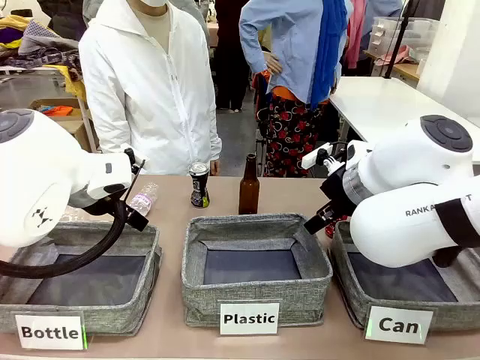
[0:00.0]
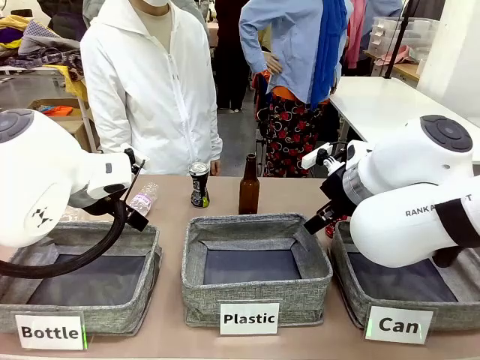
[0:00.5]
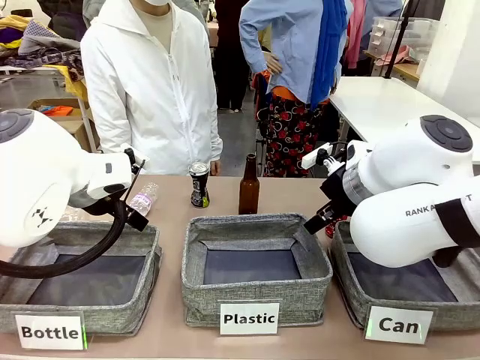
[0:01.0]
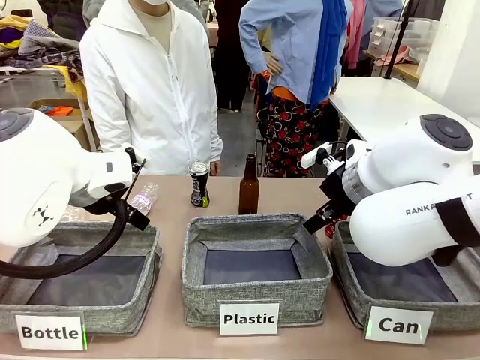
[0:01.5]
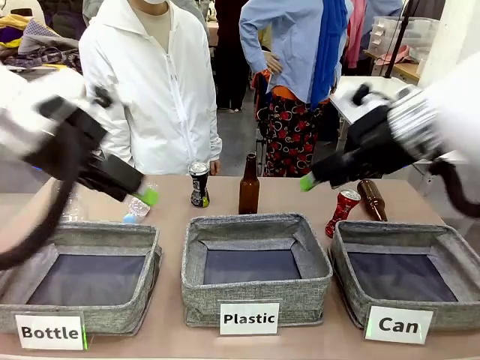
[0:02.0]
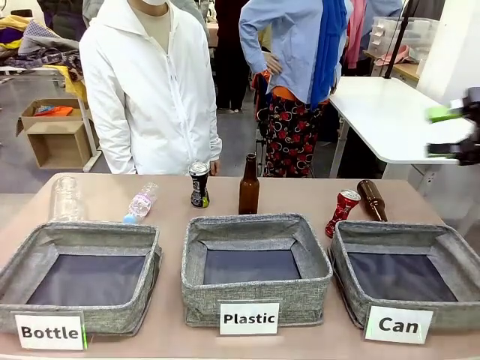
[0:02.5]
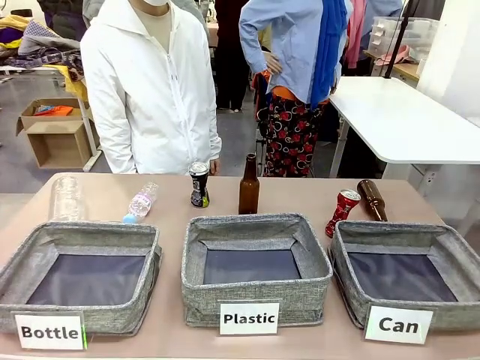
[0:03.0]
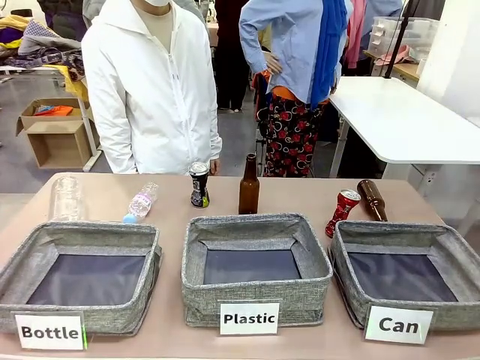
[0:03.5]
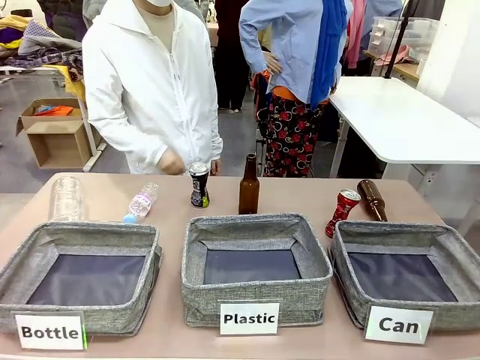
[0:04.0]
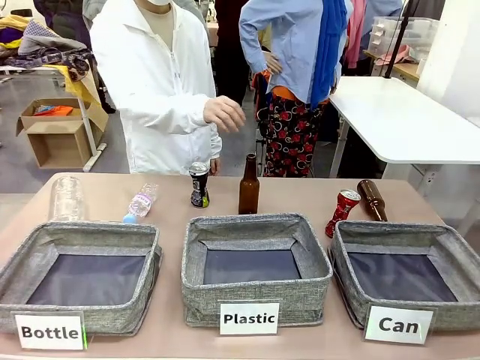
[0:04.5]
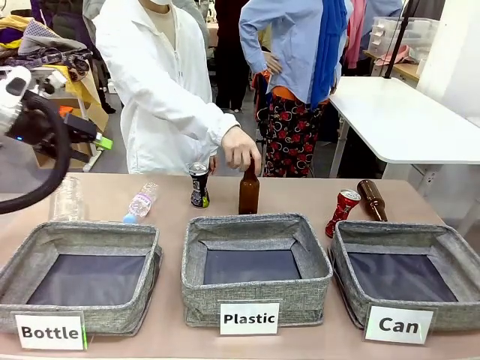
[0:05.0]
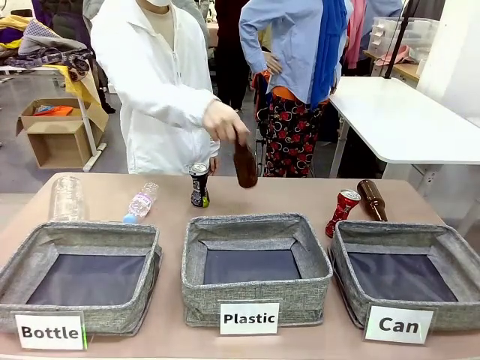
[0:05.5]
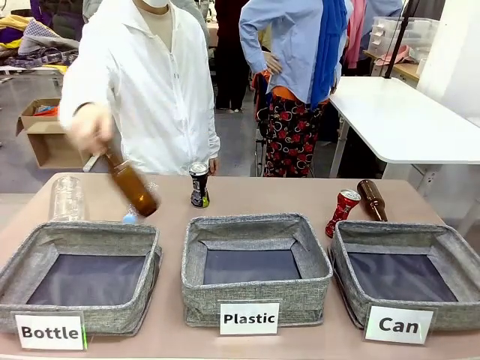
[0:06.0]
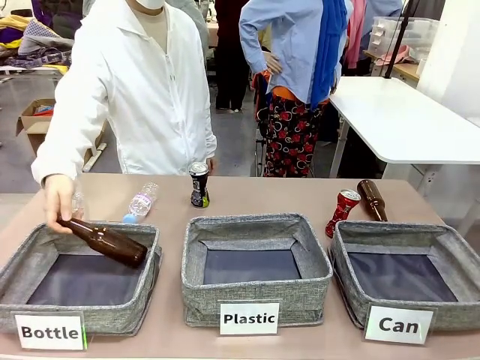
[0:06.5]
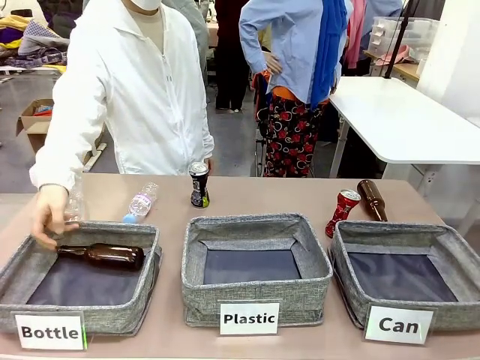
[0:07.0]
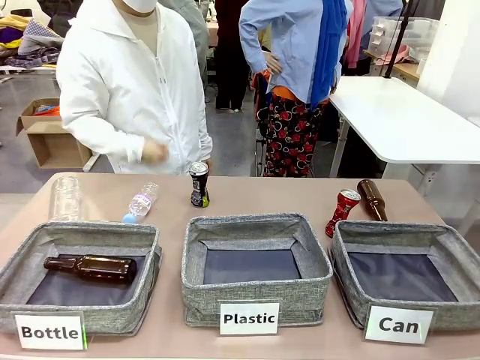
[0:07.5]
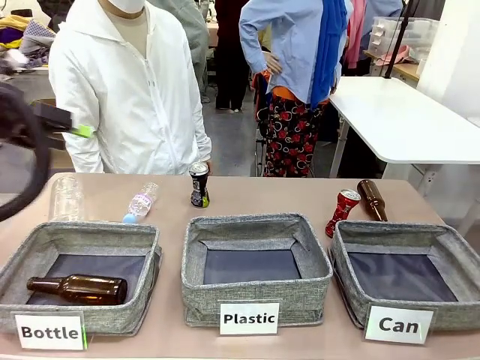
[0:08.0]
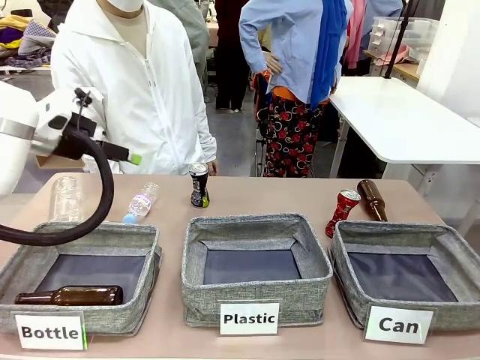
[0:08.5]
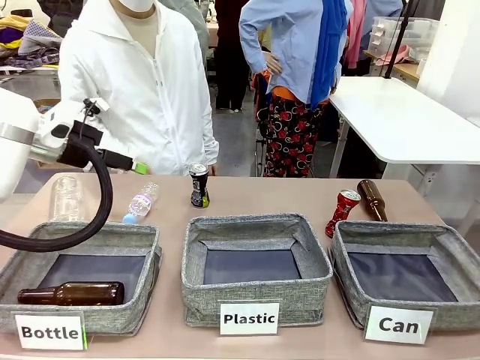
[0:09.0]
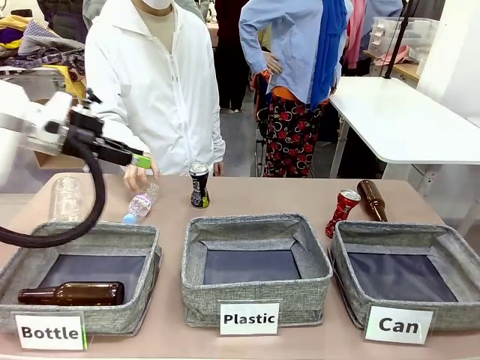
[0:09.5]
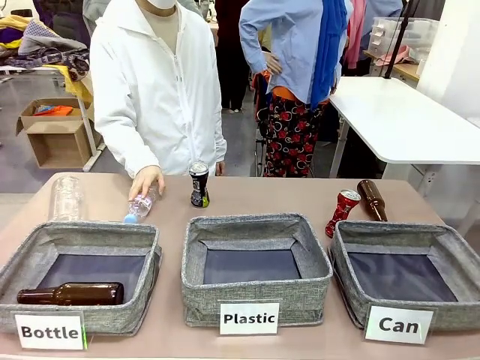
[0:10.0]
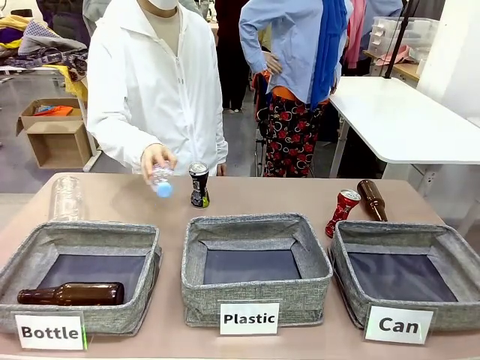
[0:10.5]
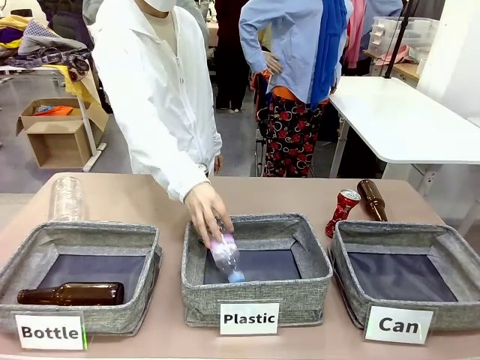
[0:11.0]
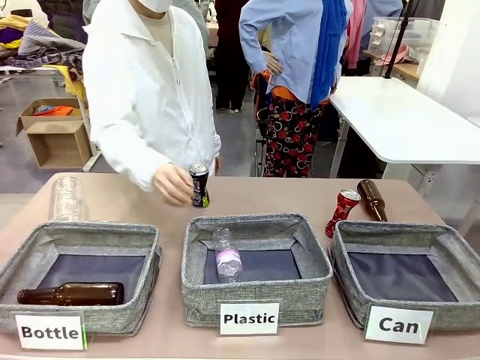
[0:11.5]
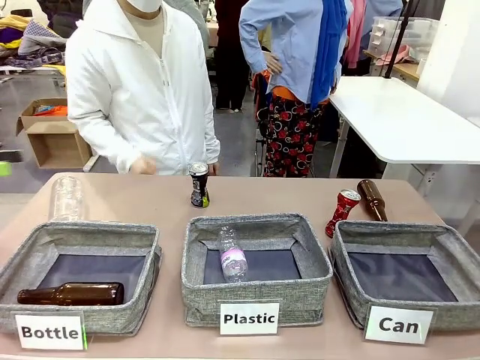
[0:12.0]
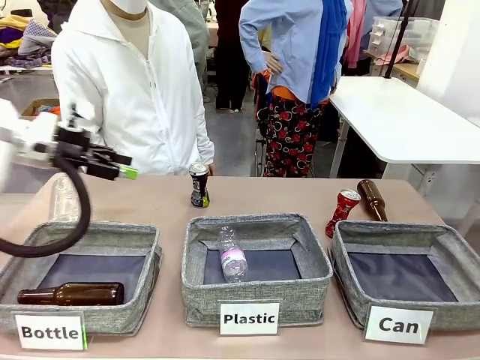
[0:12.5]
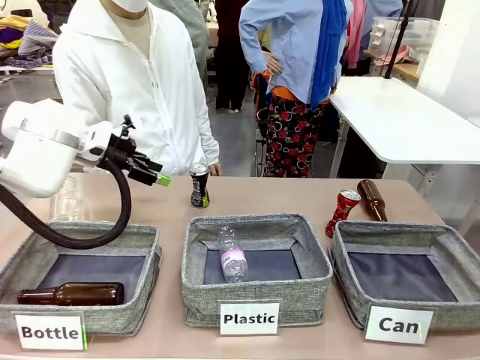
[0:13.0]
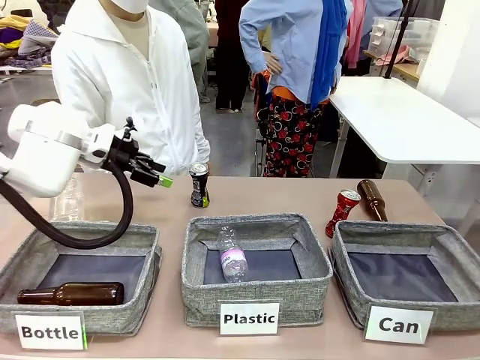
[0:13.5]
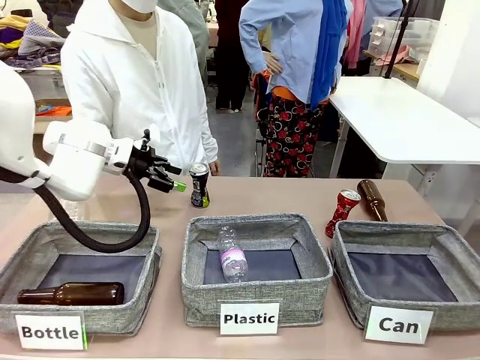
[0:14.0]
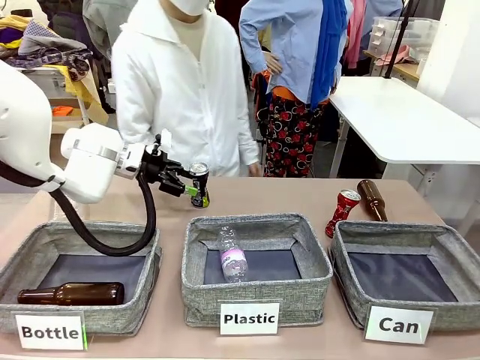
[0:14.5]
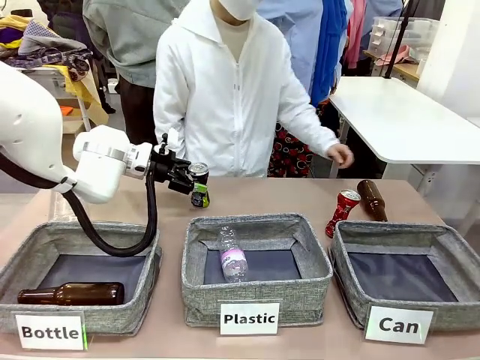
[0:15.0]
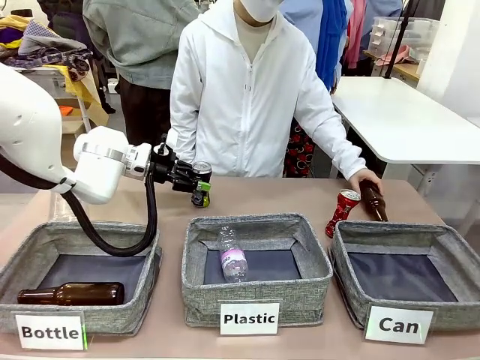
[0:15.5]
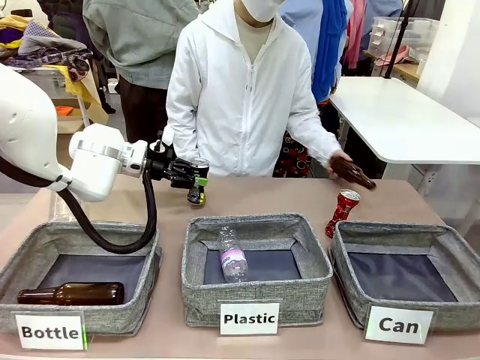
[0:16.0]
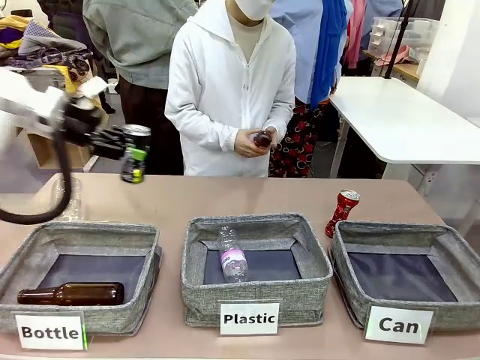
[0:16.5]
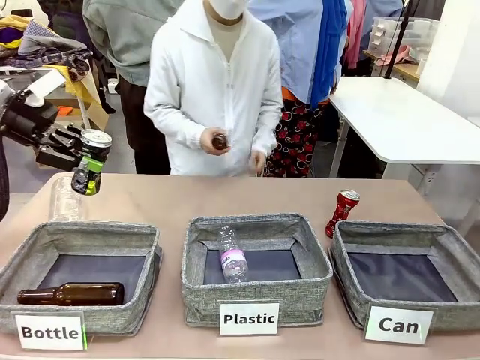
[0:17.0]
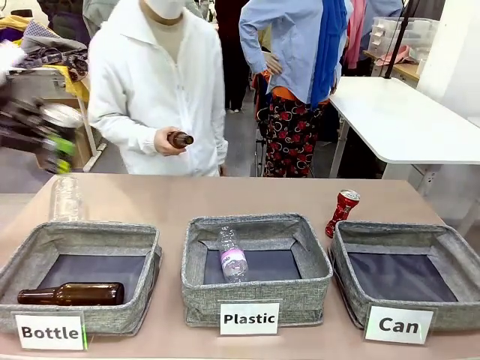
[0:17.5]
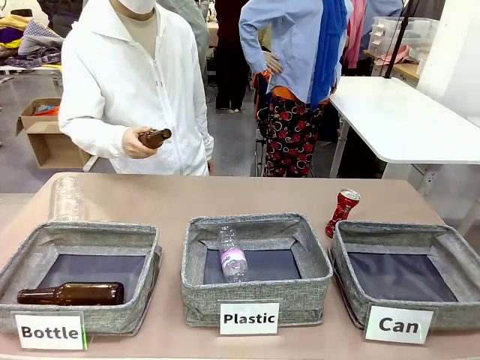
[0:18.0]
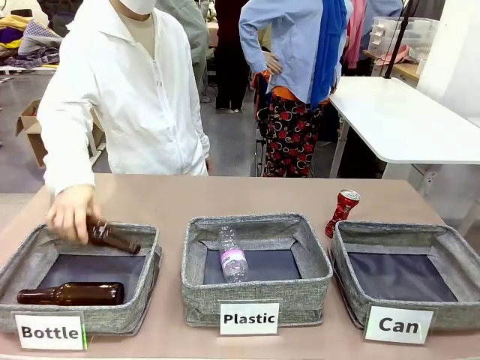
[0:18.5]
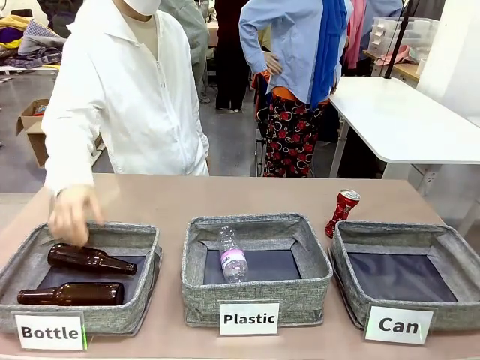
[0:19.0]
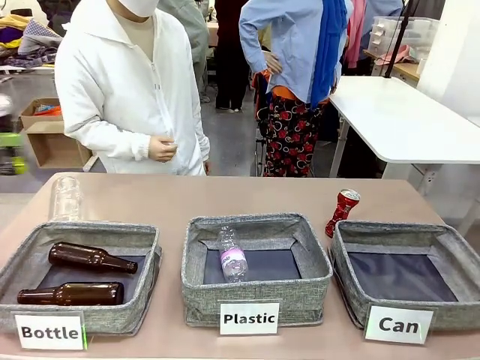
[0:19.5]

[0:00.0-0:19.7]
Task: Sort the can waste into the basket.
Robot: Pick up the can waste from the table and place it in the right Fabric basket.
